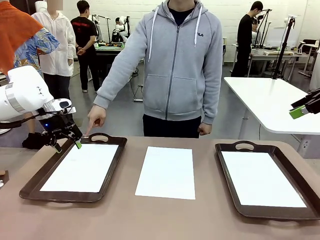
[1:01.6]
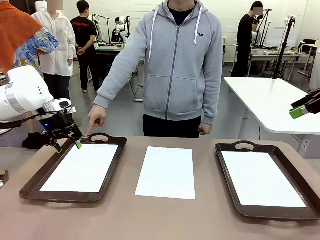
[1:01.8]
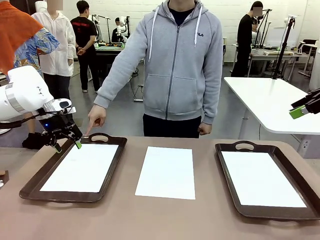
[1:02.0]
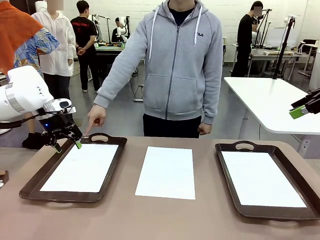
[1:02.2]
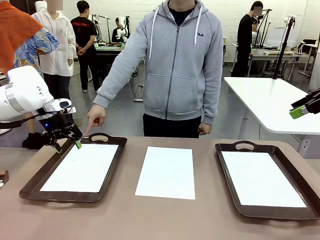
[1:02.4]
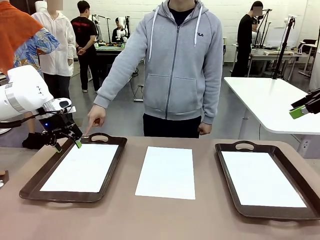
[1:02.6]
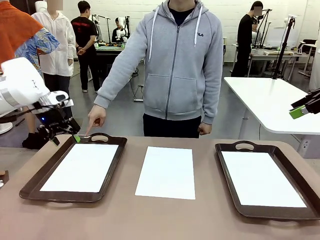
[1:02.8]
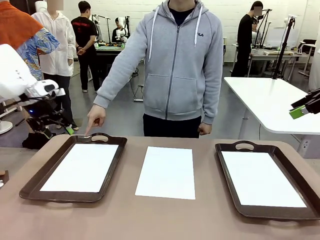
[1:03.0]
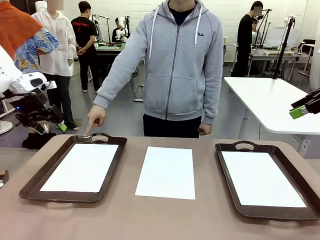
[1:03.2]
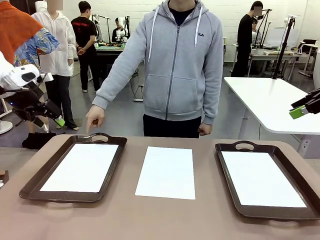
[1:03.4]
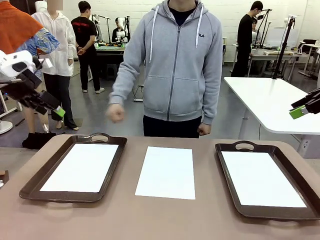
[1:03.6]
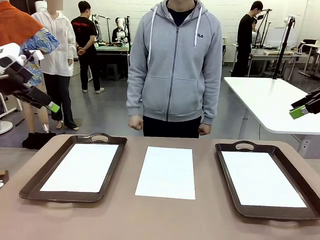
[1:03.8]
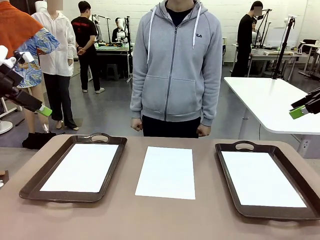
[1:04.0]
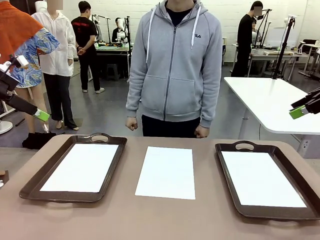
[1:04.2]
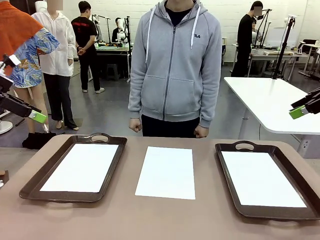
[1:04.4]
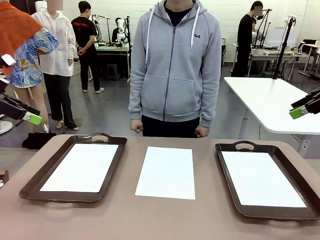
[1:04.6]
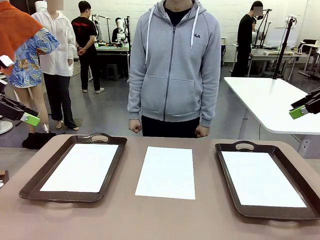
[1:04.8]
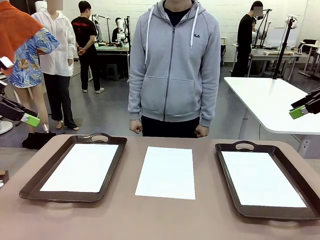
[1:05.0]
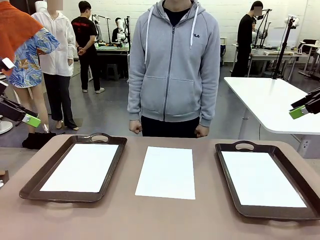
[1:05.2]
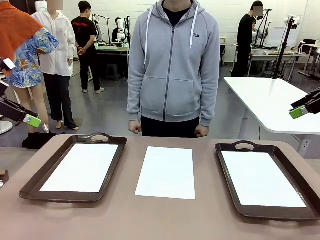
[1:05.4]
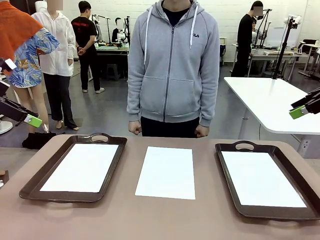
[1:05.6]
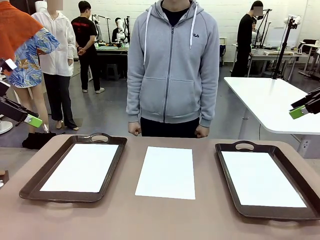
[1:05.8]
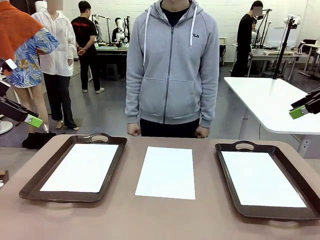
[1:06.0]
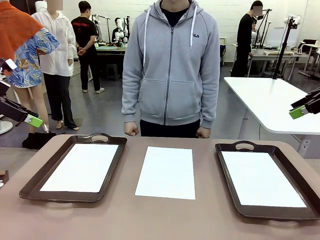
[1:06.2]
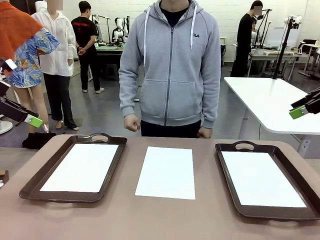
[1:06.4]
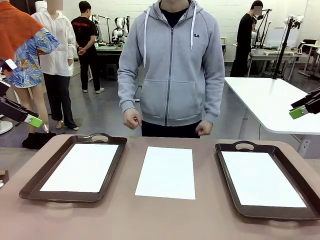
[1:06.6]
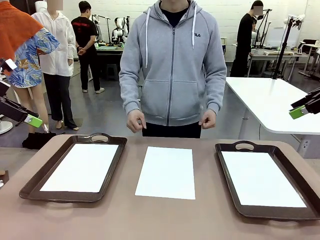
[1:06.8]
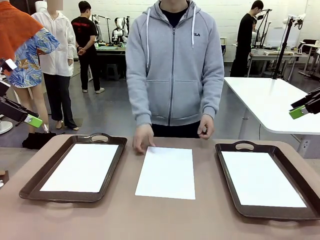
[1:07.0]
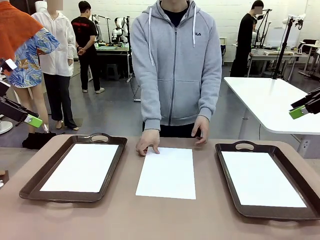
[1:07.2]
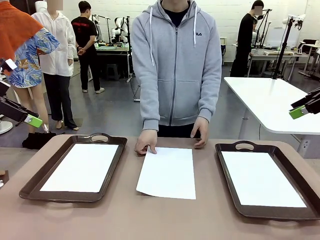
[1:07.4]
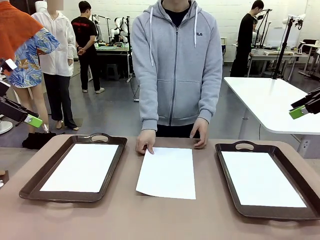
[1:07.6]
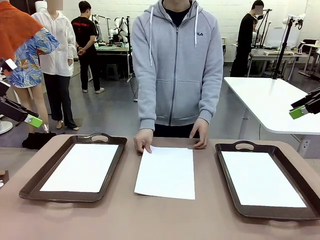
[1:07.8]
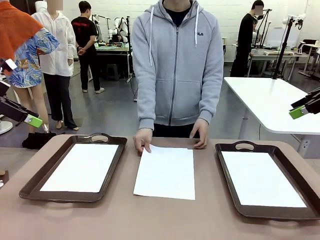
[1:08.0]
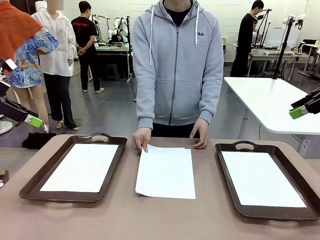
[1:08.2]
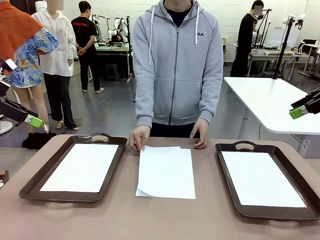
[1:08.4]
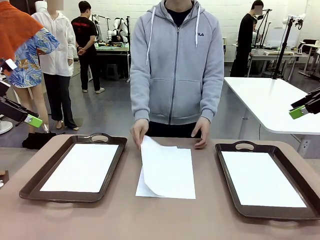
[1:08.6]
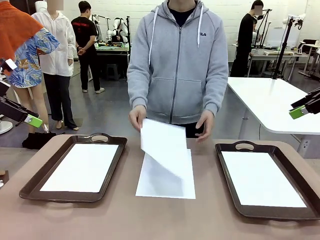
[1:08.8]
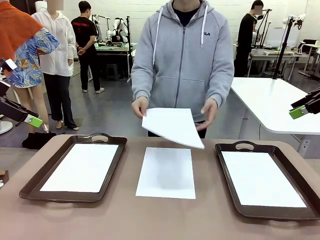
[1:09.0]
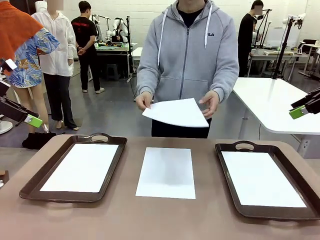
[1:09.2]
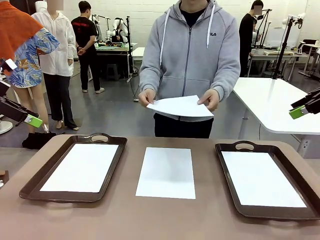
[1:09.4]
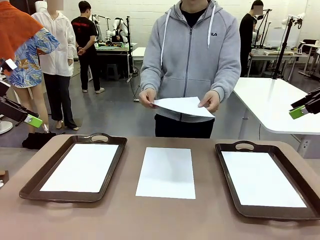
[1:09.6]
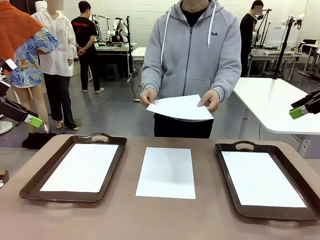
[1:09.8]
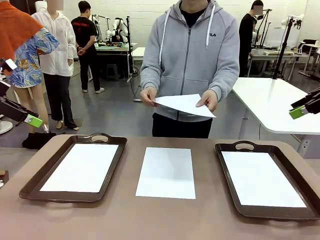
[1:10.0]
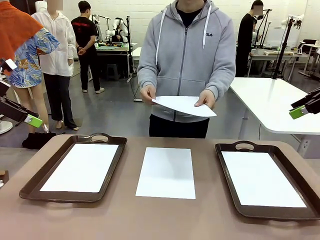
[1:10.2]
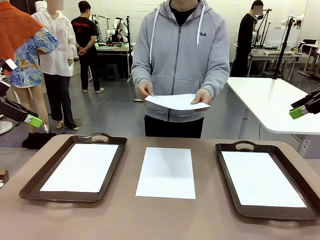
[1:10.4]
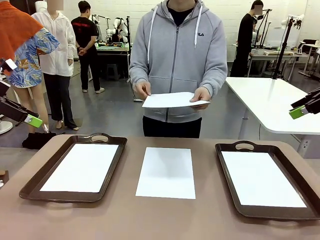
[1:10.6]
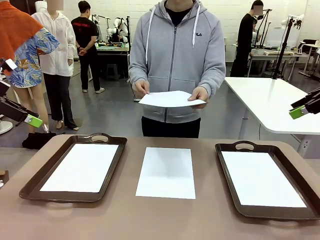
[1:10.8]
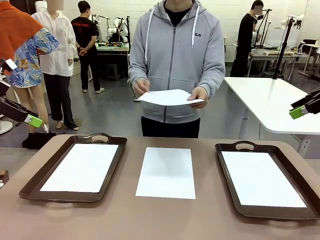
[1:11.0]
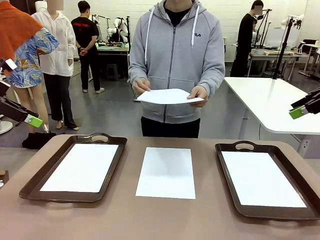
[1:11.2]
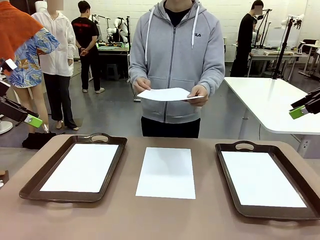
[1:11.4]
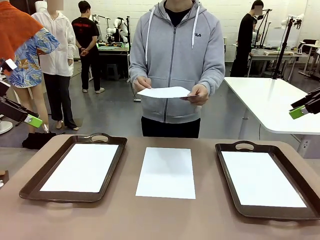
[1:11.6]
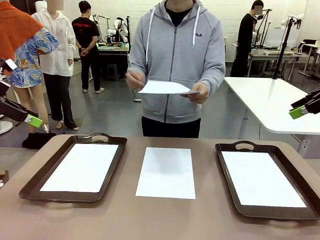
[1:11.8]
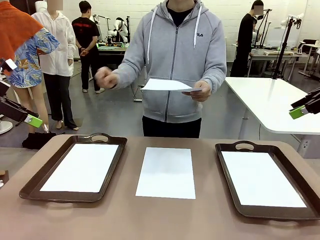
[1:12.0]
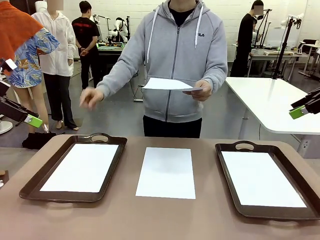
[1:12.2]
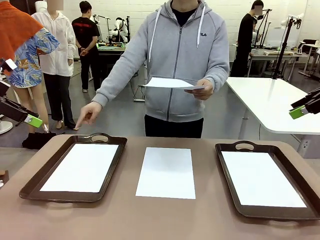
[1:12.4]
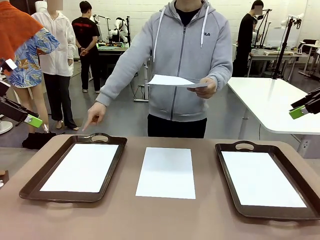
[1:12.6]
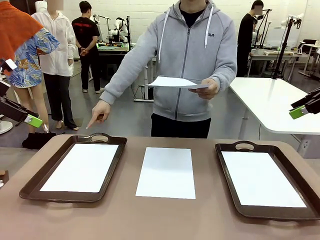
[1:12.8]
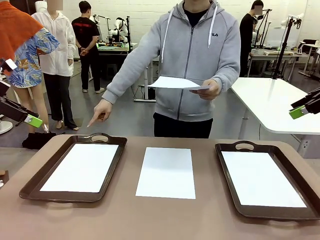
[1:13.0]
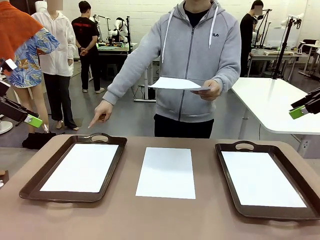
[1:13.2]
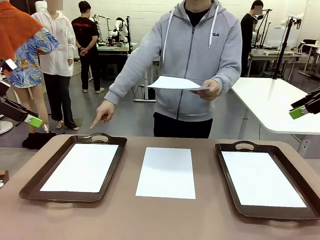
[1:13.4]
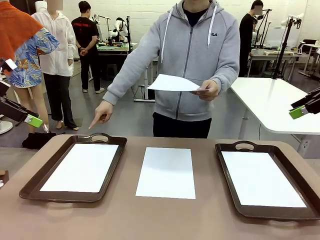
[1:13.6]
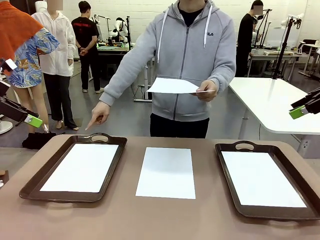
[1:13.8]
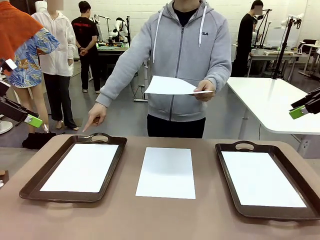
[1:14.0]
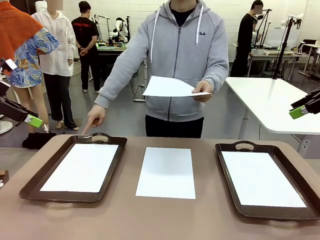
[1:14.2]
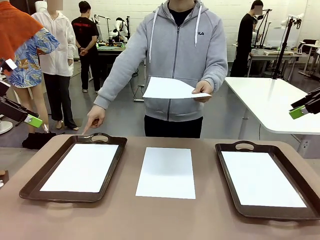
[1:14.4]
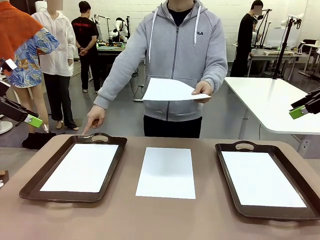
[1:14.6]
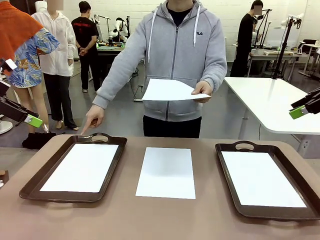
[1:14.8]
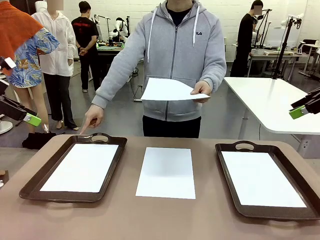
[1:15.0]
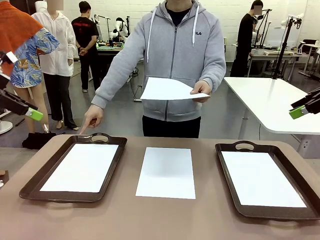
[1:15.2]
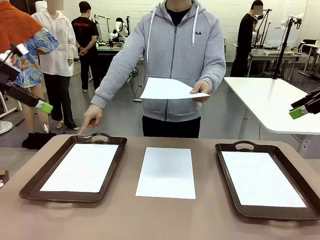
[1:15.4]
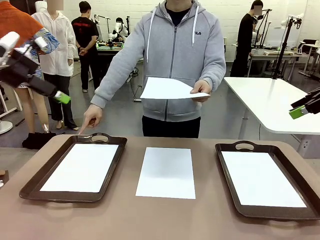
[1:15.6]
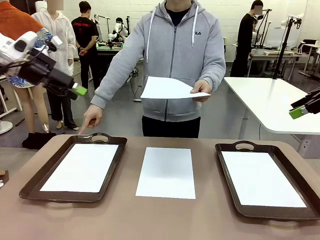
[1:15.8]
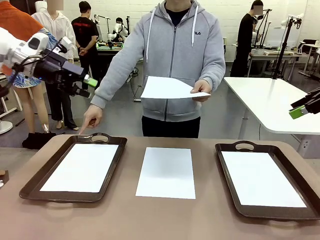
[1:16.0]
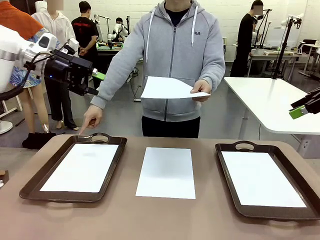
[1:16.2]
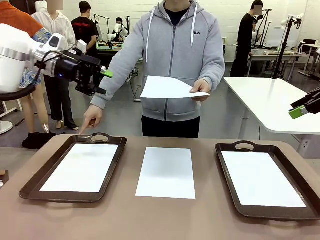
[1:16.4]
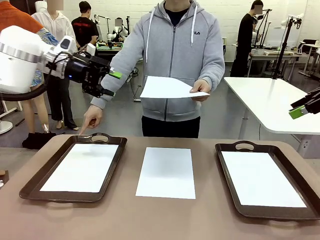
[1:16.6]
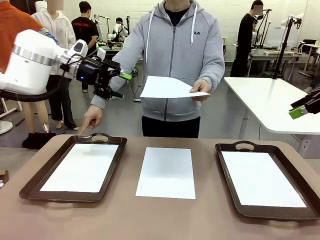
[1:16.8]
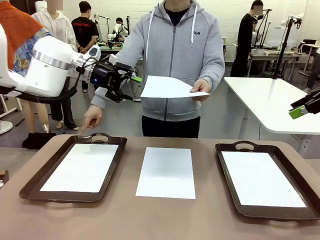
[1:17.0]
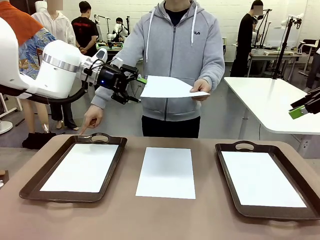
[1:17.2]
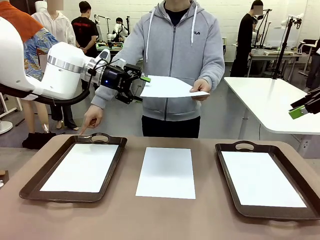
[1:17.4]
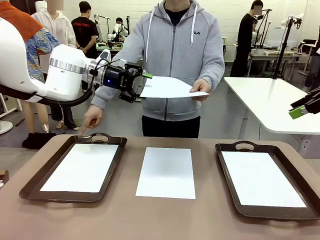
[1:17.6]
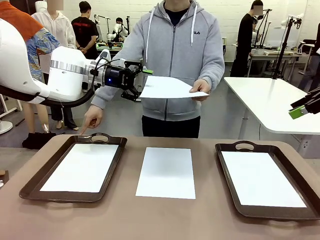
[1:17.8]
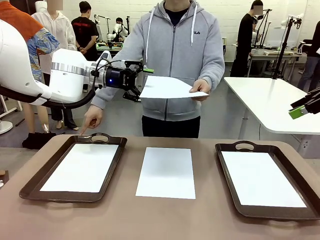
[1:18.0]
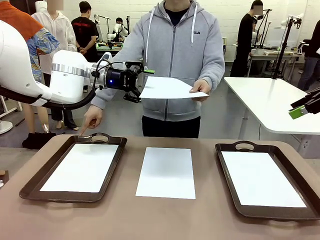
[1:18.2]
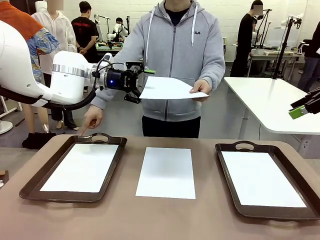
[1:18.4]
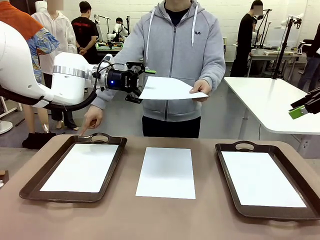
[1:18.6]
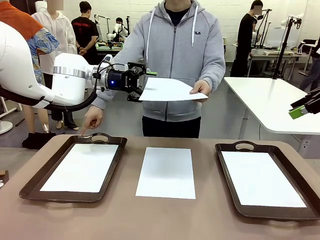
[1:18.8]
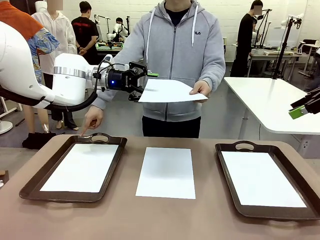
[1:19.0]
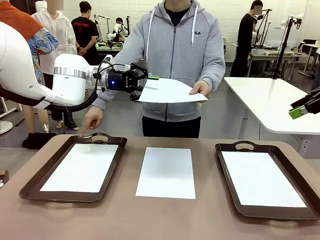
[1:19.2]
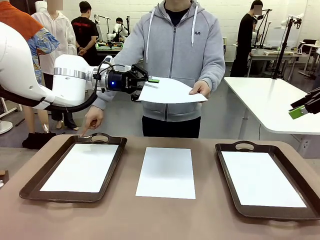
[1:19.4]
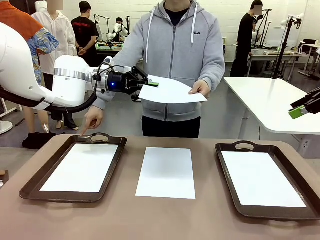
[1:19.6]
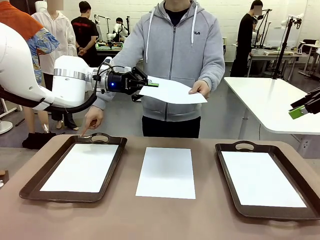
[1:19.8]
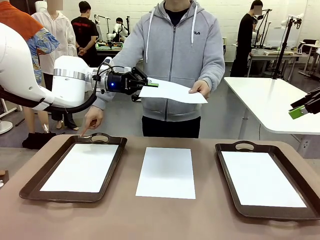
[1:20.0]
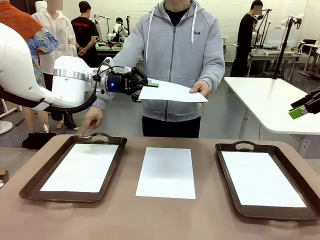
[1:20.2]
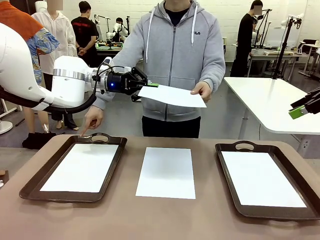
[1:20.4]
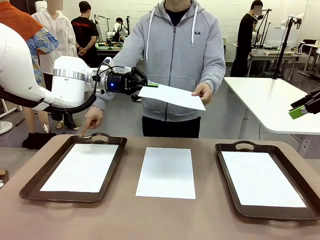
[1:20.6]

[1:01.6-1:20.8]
Task: Sort the A4 documents.
Robot: Receive the A4 Paper.
Person: Point the randomly selected tray with the other hand.
